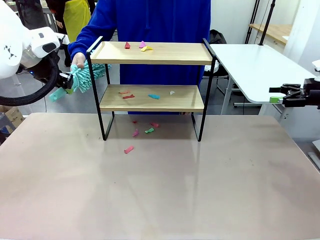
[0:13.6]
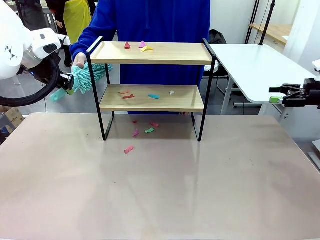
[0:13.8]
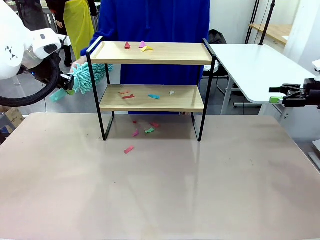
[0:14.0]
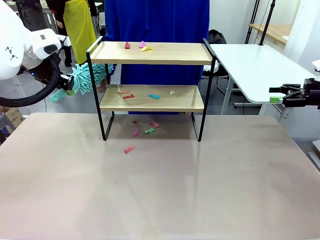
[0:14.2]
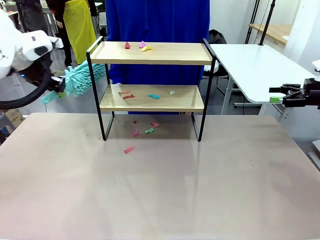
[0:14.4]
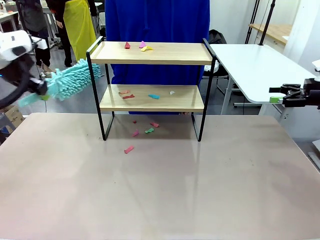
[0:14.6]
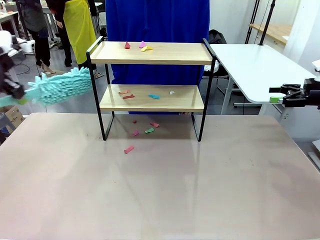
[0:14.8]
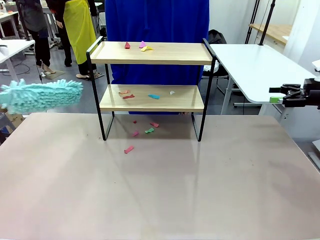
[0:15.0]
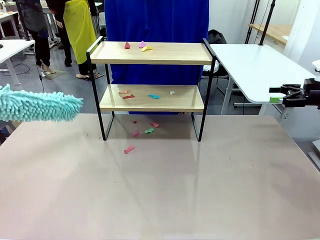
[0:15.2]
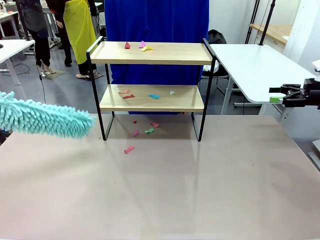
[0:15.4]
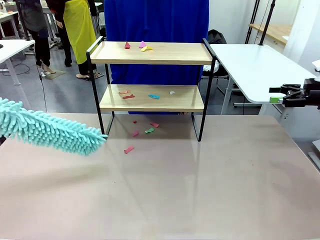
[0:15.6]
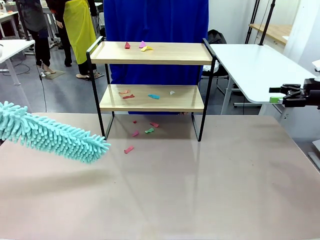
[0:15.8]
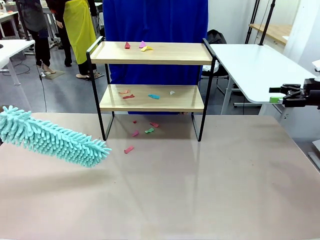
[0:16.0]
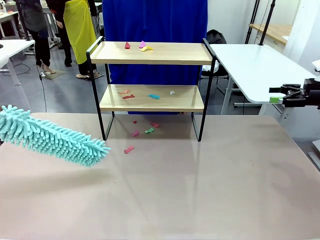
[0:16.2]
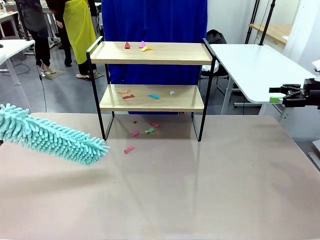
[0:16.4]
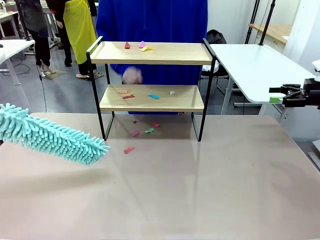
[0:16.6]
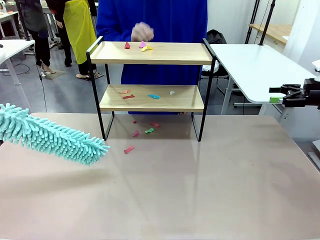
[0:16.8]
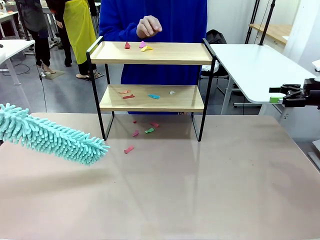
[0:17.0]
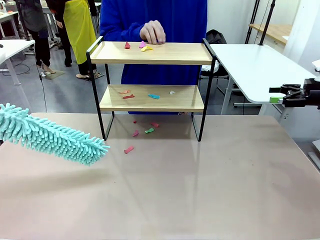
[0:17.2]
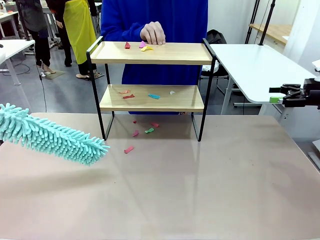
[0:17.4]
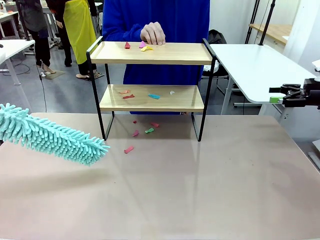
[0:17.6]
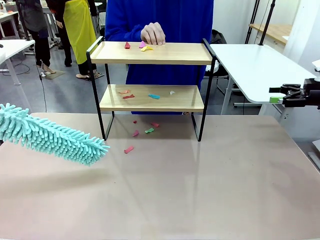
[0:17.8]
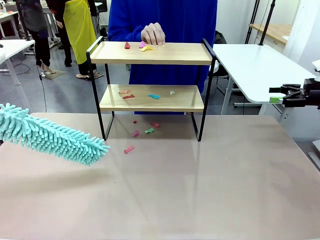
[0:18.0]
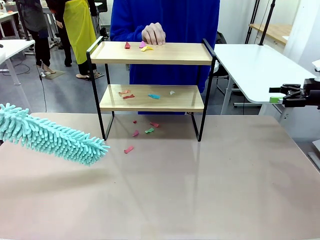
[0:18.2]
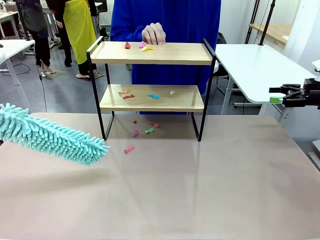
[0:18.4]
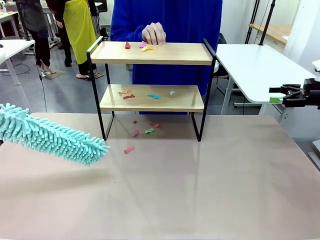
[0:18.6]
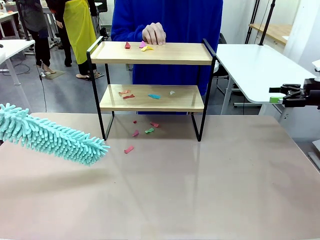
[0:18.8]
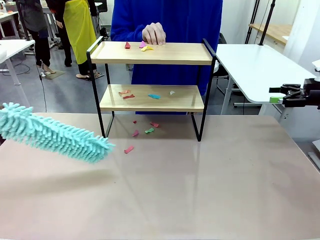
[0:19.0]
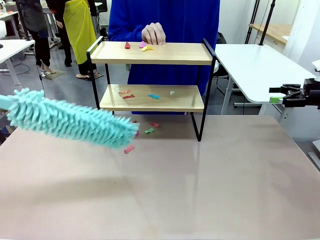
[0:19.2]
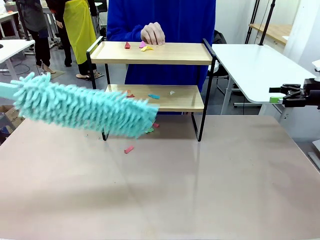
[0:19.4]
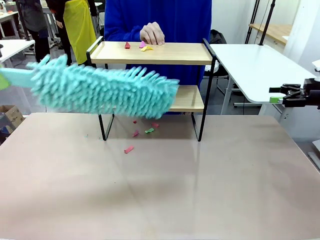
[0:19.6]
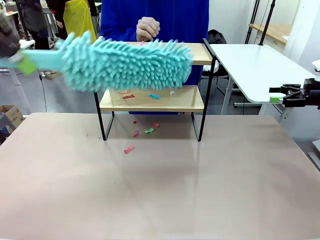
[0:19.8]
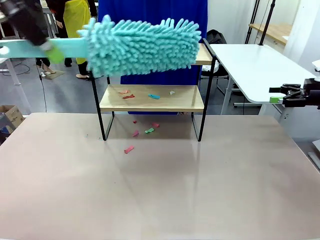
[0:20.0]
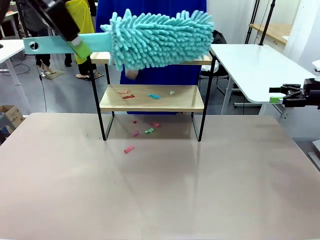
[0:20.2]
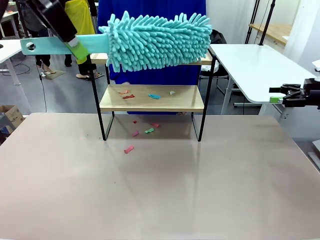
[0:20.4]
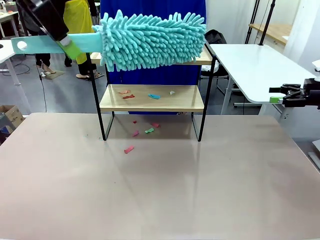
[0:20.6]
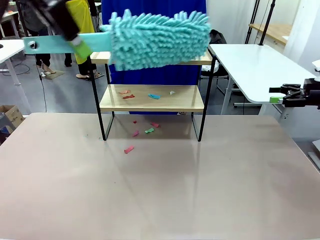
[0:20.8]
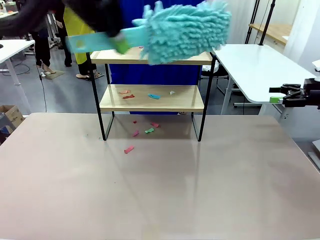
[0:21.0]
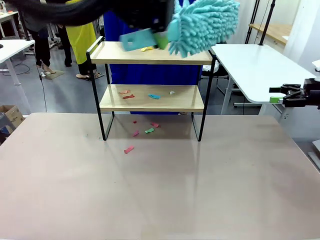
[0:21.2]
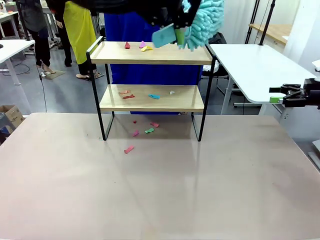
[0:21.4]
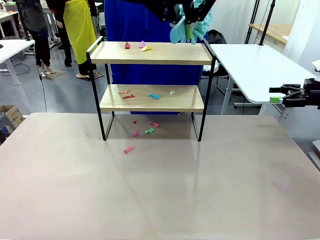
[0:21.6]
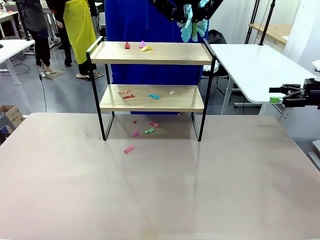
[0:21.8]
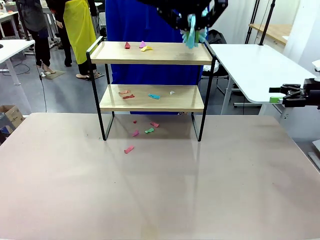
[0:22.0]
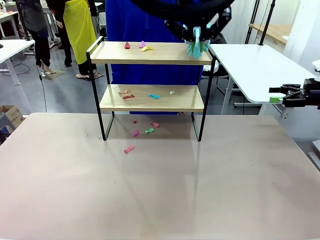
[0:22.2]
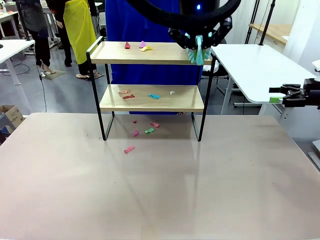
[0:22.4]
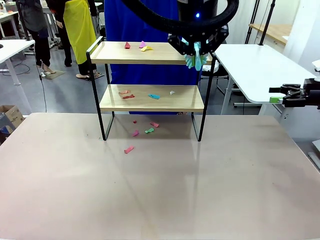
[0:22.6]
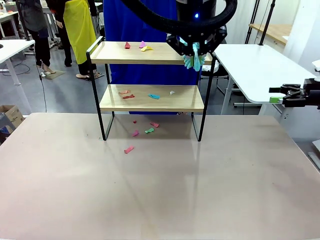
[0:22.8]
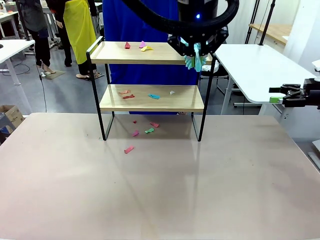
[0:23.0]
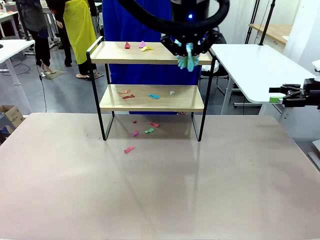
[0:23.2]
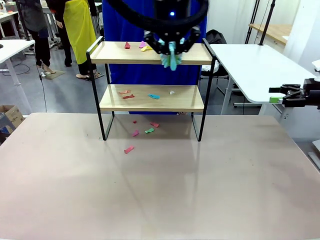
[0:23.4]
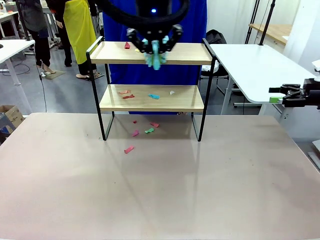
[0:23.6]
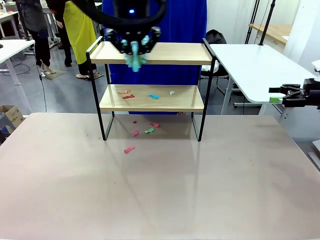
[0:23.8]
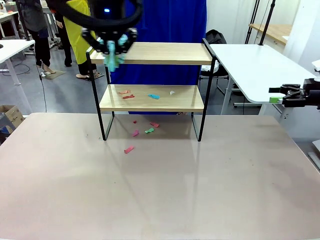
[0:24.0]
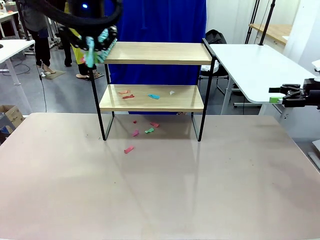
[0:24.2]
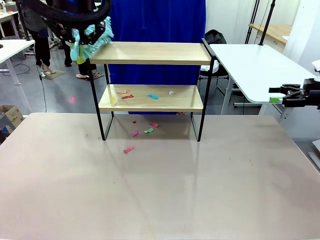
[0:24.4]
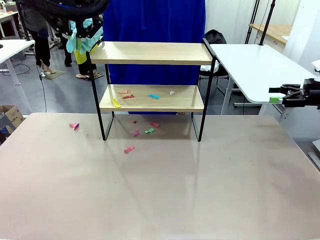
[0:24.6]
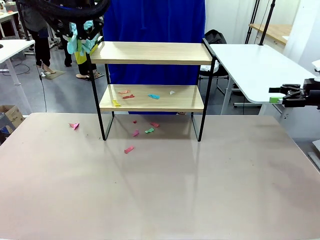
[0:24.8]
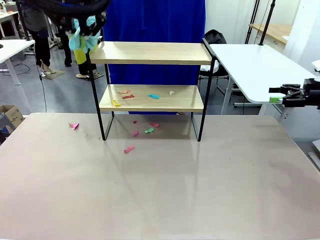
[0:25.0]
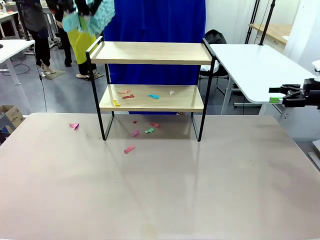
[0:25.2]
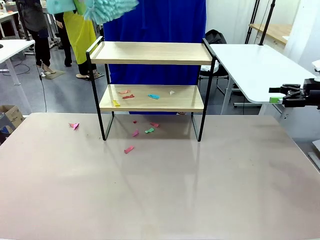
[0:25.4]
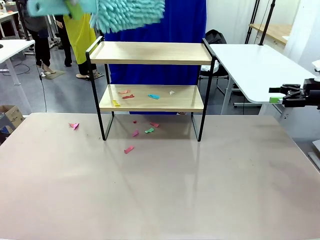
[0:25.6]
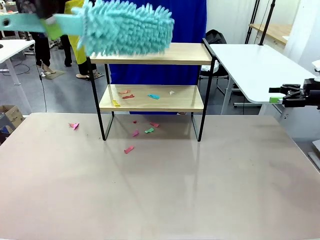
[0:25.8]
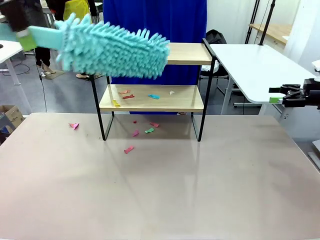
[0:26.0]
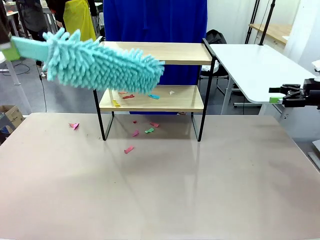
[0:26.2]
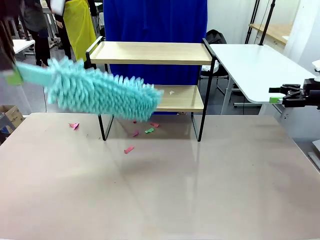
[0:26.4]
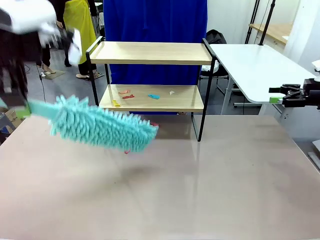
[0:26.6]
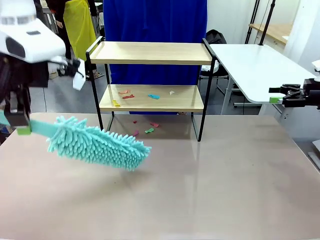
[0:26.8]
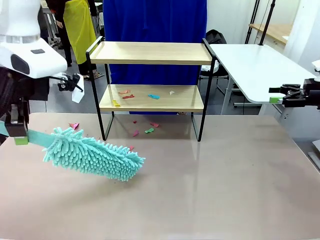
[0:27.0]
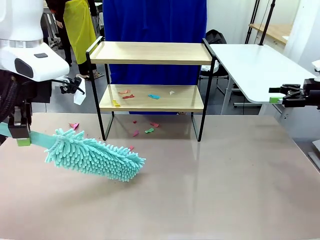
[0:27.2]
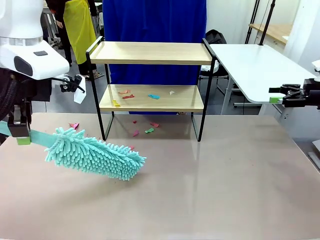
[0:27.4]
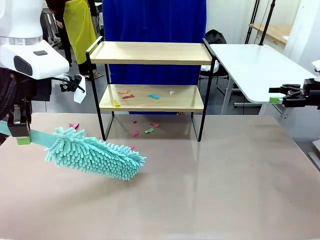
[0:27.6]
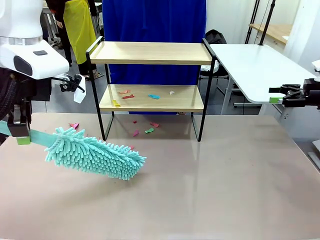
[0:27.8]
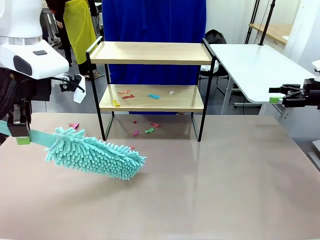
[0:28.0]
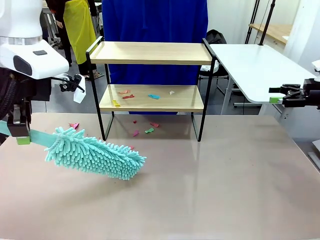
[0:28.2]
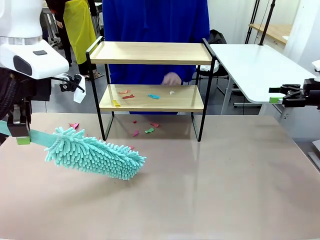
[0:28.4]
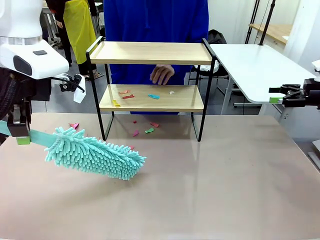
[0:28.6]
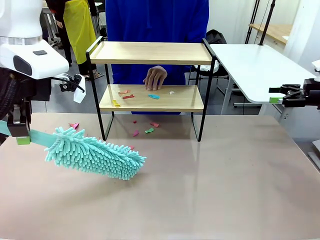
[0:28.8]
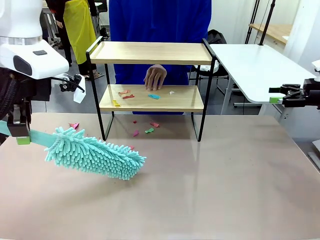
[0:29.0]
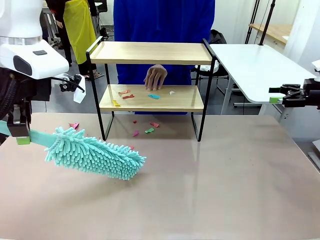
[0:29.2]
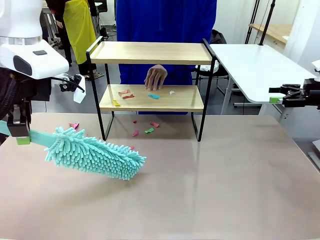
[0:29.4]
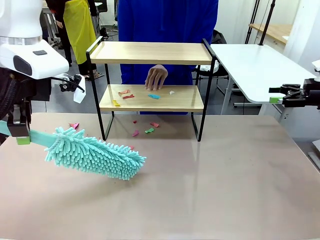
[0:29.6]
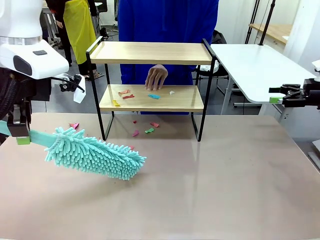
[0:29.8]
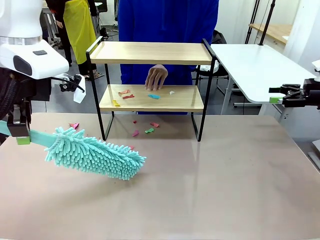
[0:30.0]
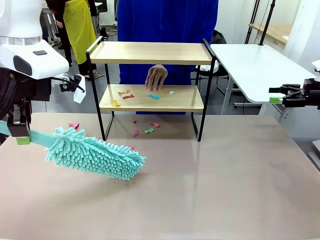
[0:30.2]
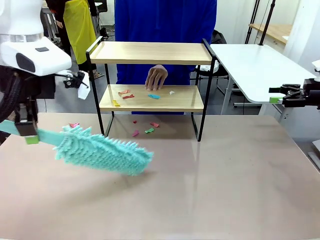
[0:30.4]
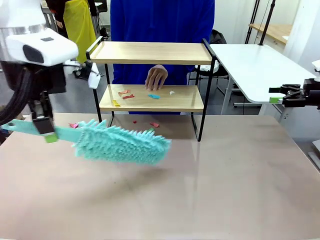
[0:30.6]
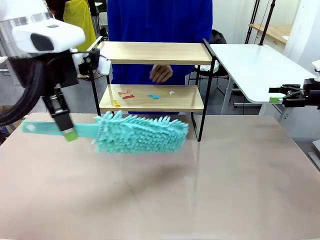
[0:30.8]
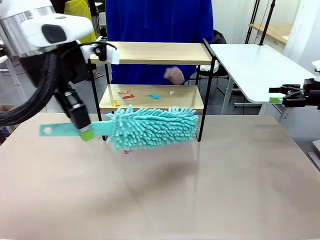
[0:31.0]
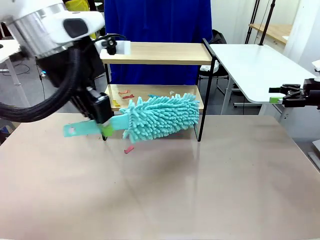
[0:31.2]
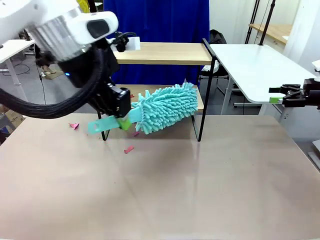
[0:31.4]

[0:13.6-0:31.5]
Task: Clean the shelf.
Robot: Clean the specific section of the Shelf indicated by the human with the Duster.
Person: Point a random section of the Shelf.
